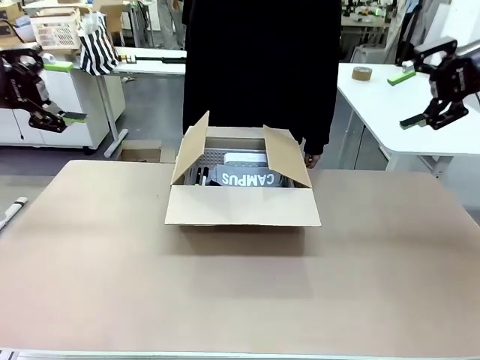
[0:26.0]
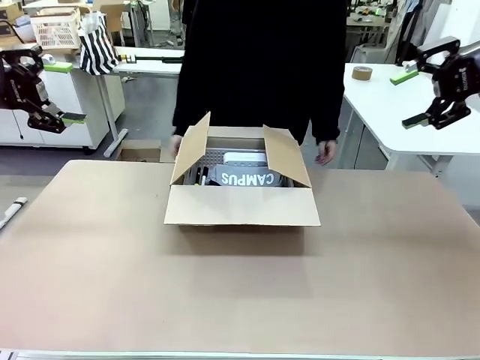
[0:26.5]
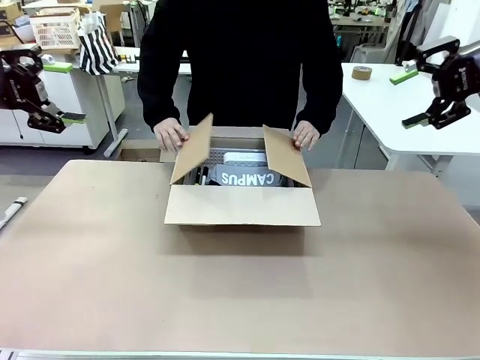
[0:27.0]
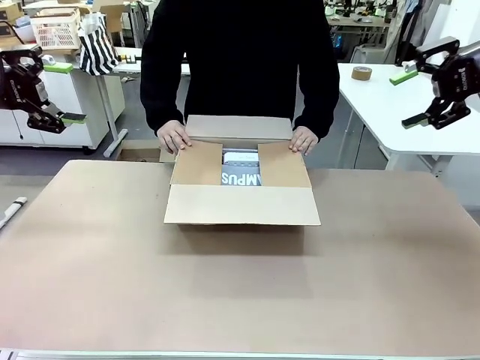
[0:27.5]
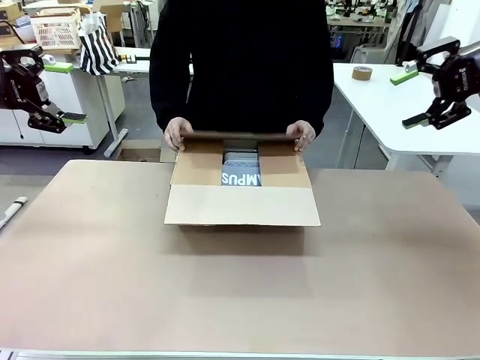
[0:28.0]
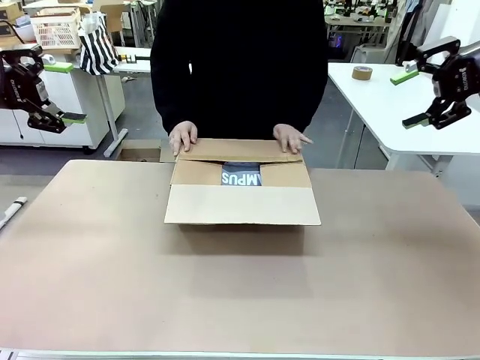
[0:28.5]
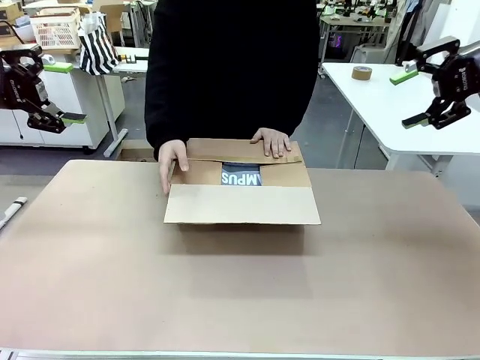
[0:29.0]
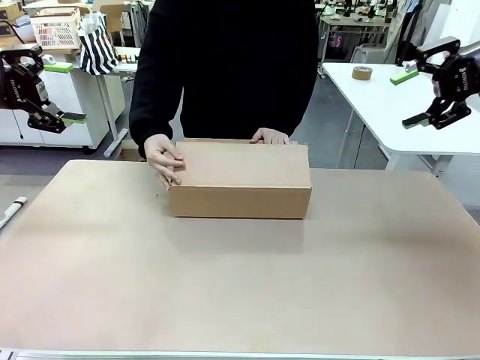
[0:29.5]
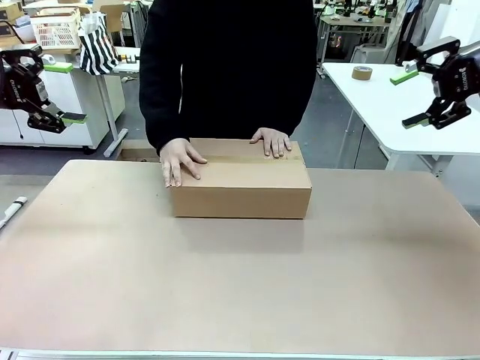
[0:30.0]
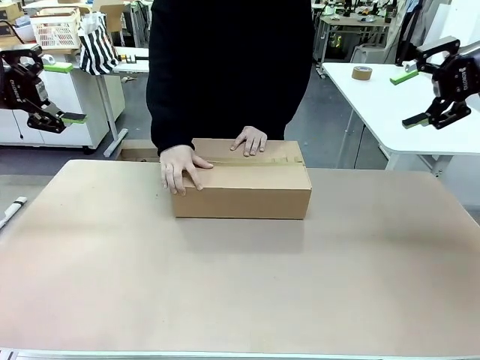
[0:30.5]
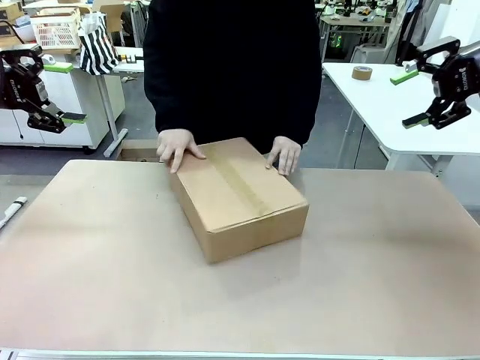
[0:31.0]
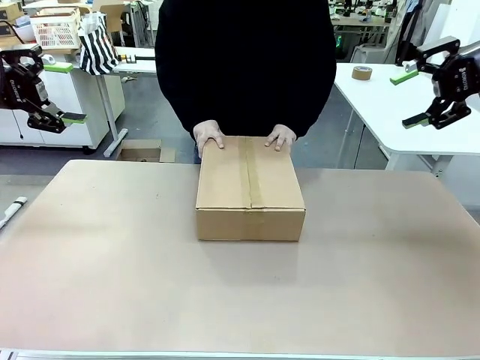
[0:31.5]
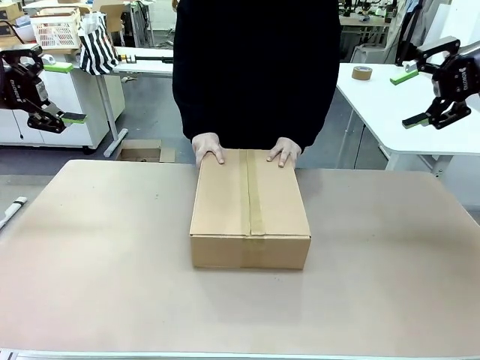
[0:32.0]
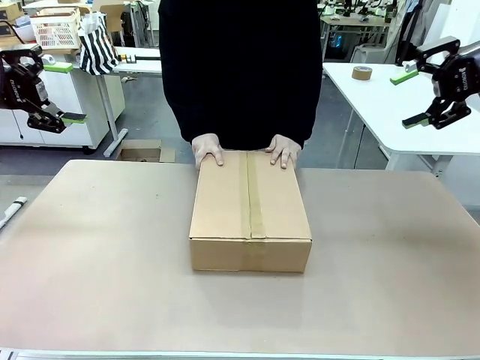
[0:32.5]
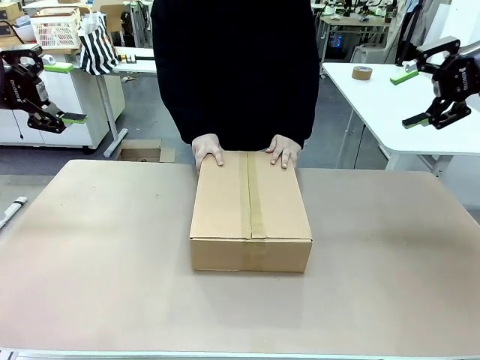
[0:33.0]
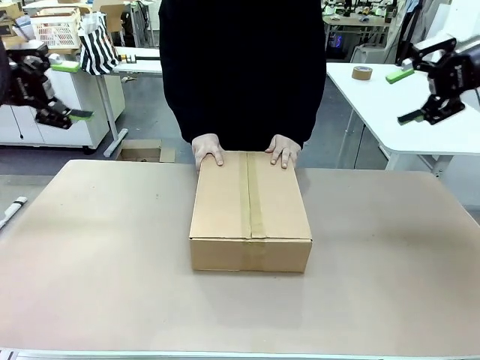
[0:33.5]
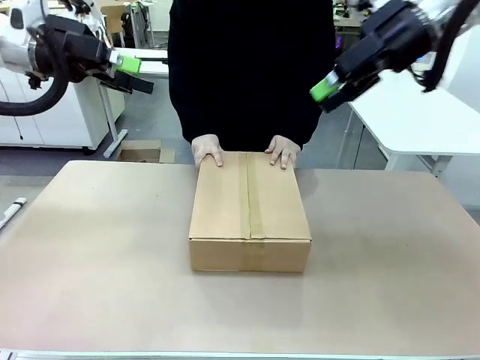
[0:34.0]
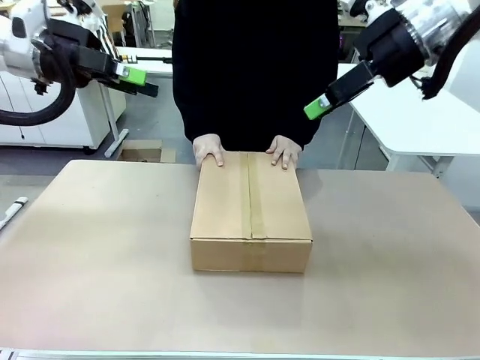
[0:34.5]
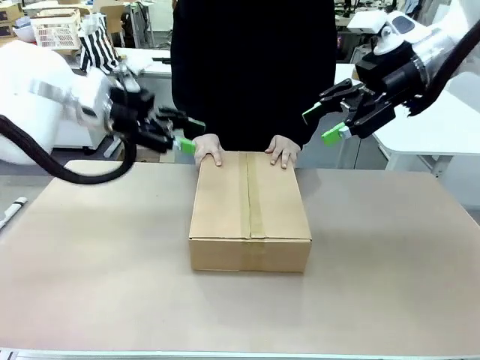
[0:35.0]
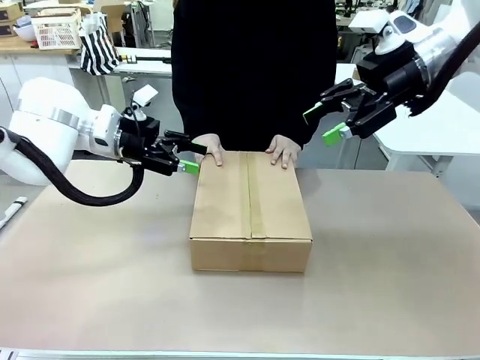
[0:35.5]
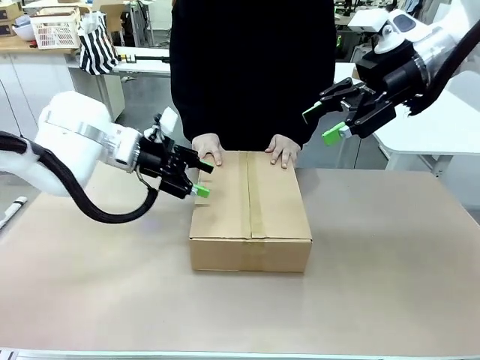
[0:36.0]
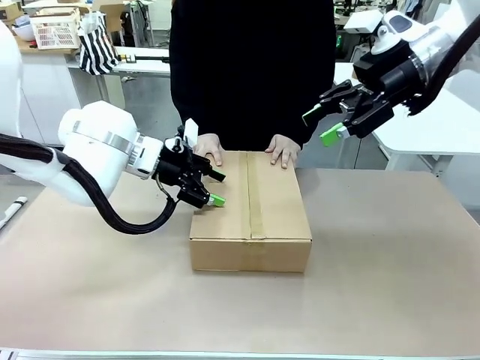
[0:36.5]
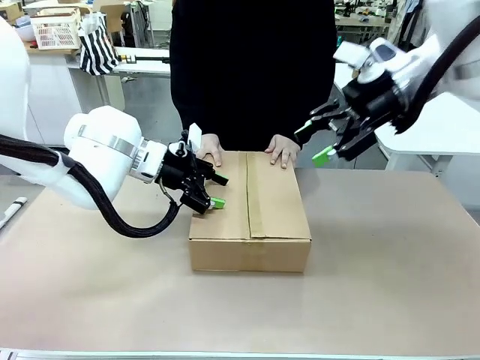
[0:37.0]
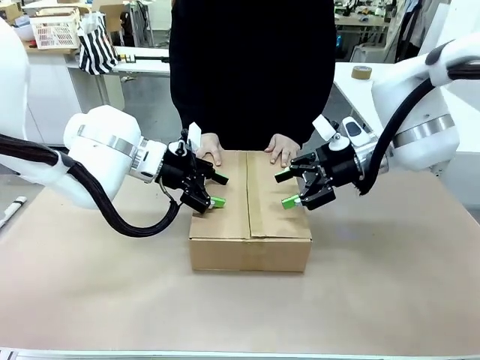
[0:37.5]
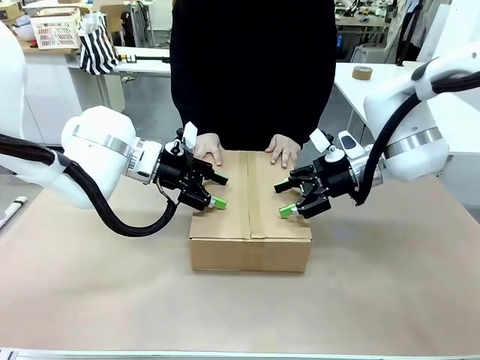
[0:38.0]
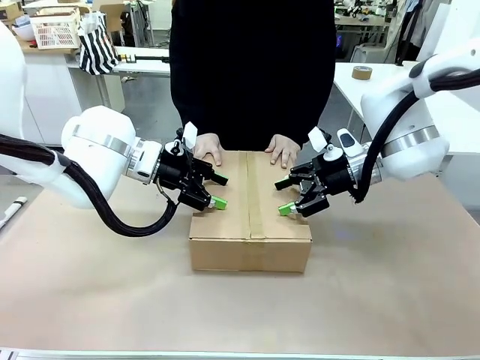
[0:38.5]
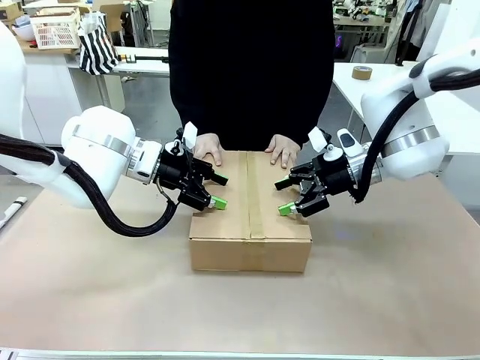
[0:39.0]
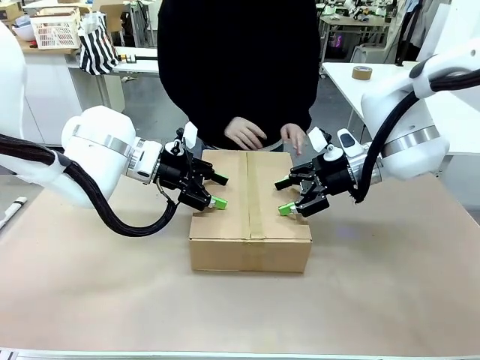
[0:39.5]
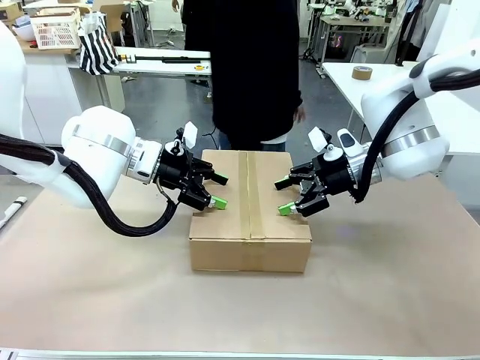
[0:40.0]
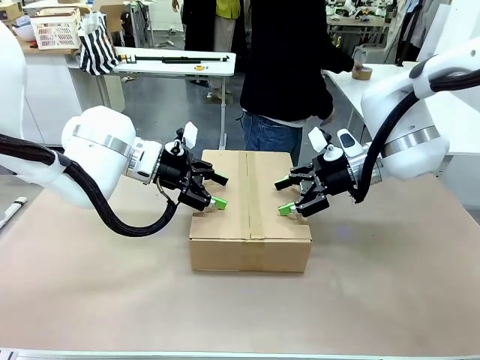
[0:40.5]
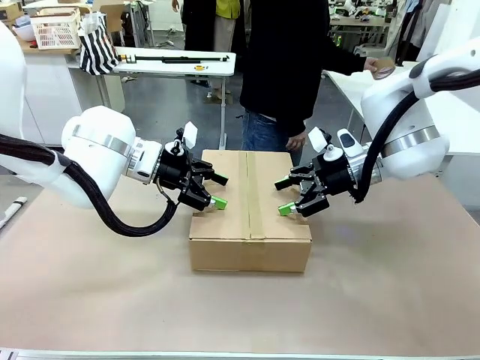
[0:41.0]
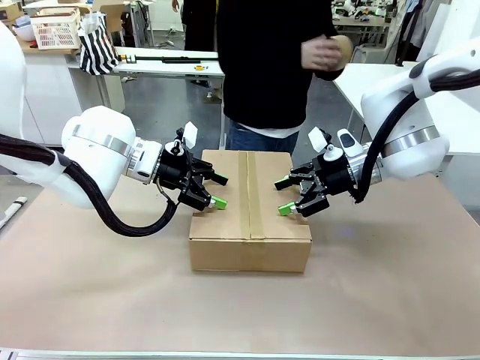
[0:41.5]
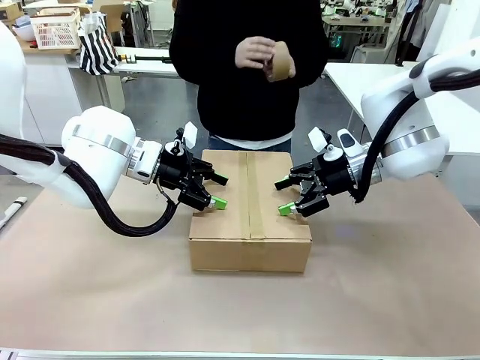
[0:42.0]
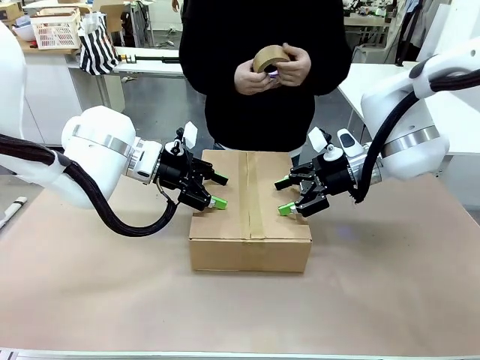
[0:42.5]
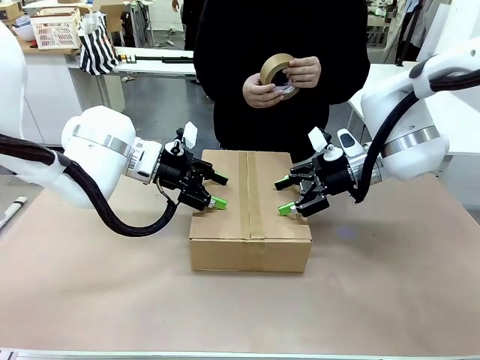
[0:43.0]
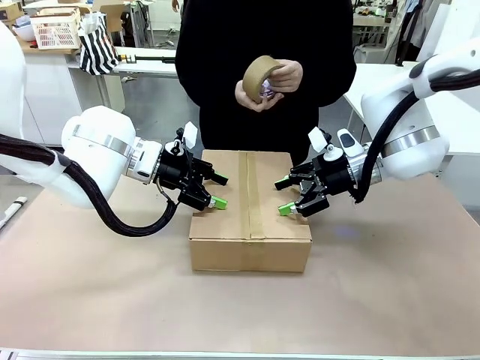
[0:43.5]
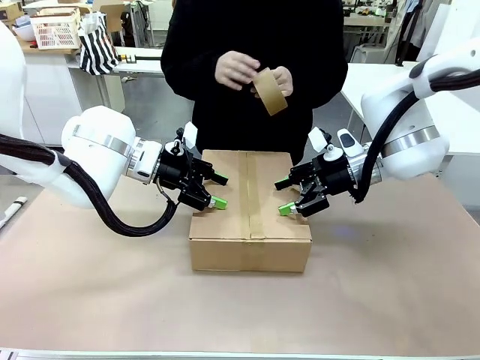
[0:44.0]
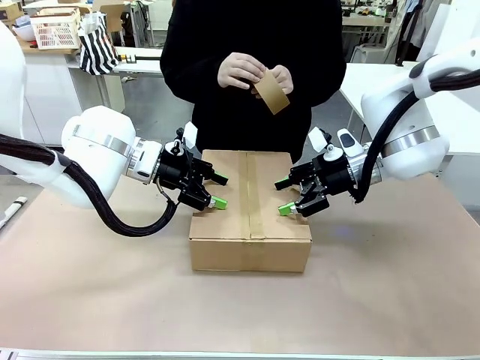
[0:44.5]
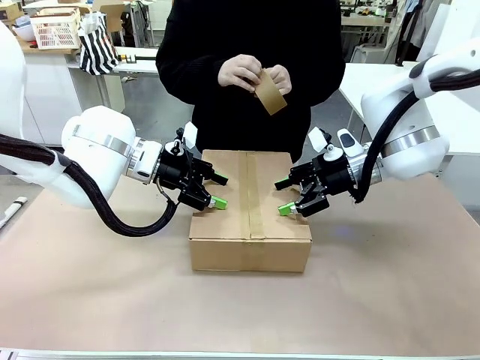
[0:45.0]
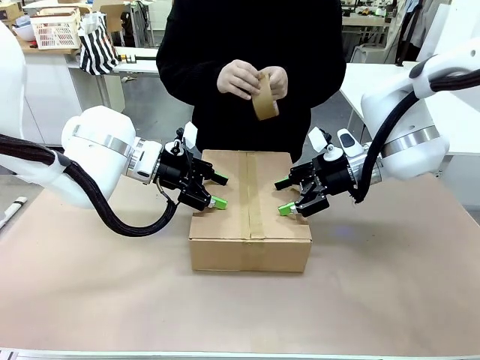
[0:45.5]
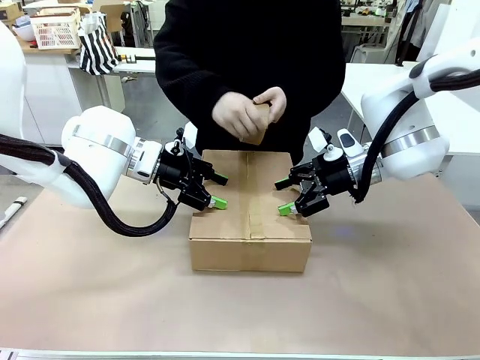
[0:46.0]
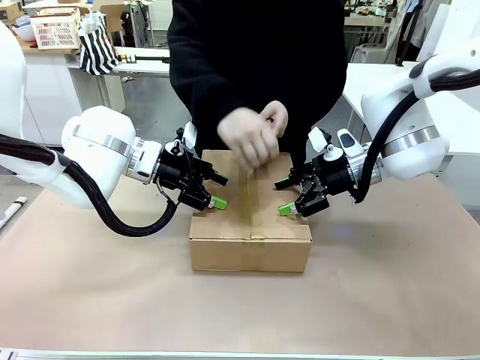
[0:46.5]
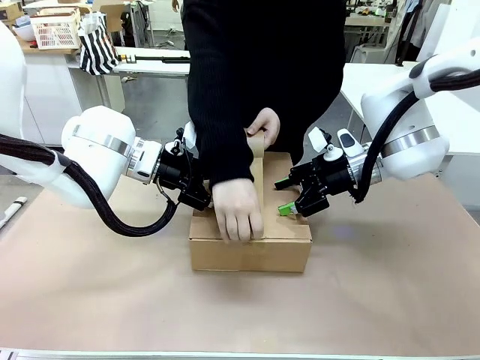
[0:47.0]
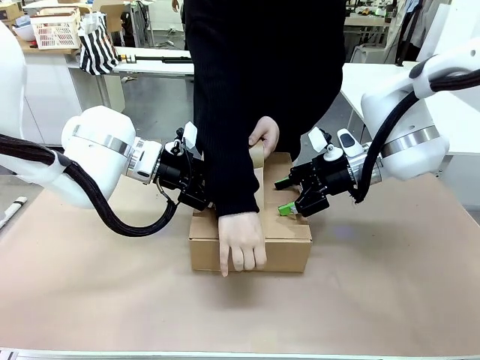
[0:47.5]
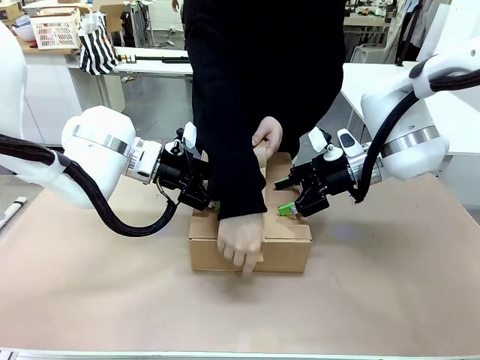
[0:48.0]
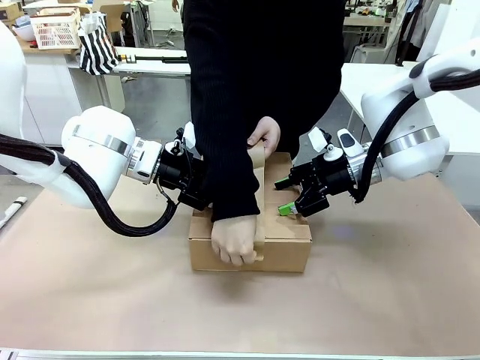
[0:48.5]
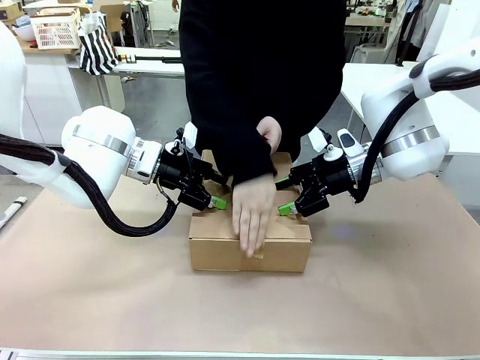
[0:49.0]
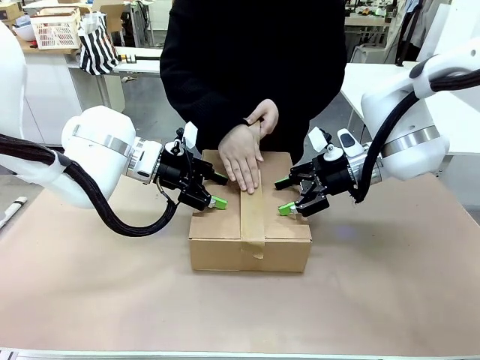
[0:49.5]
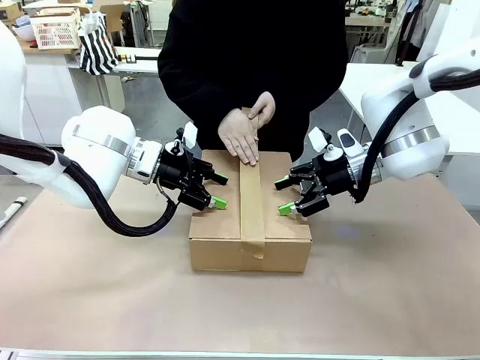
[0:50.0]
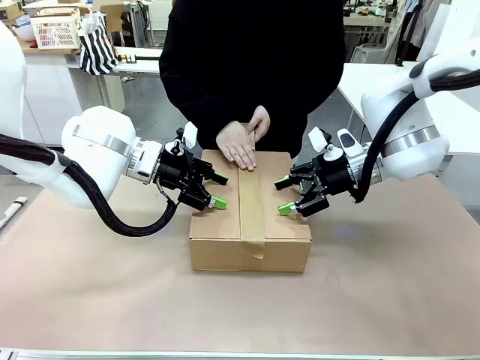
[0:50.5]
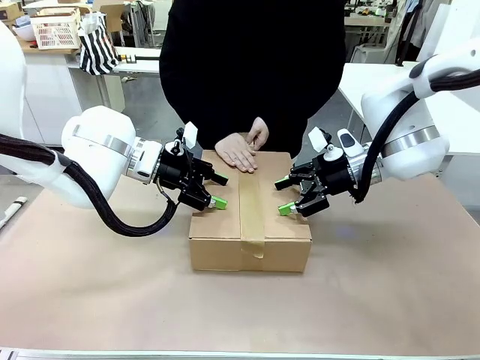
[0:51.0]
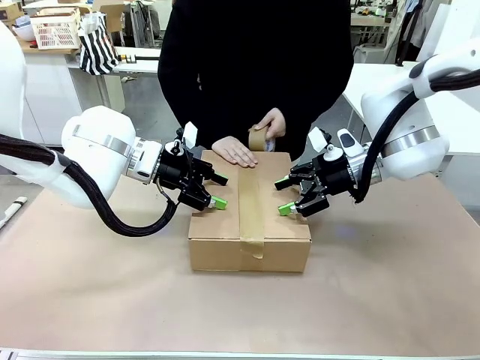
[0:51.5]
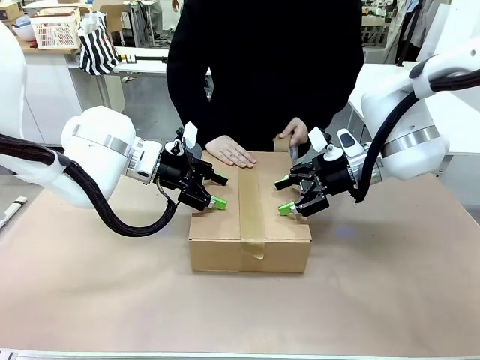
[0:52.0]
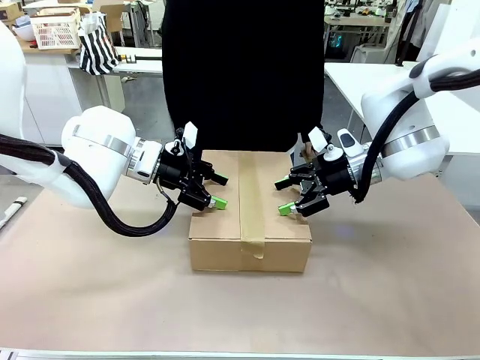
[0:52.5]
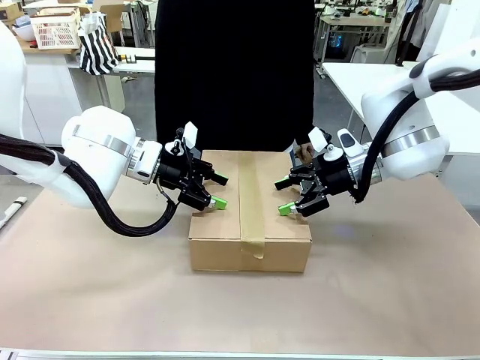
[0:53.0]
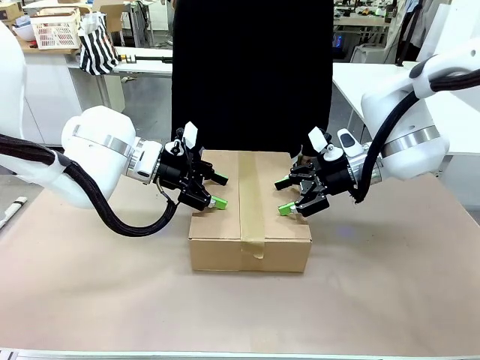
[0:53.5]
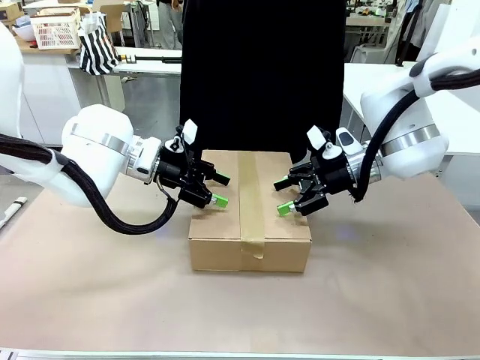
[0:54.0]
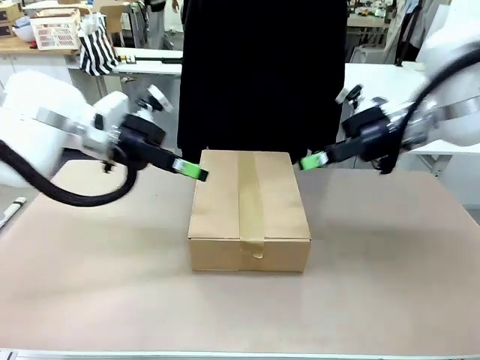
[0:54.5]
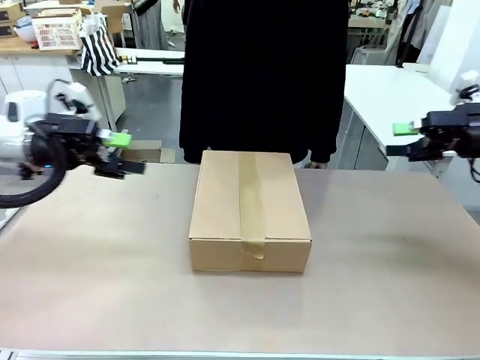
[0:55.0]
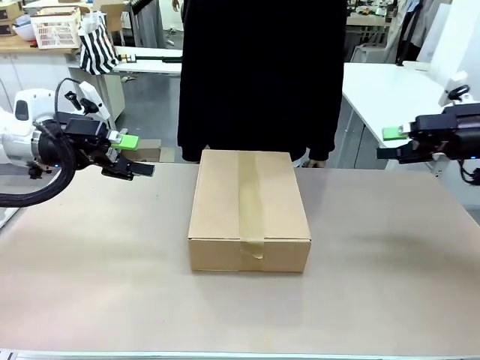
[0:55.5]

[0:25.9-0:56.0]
Task: Pack the gift set into the box.
Robot: Press and hold the closed box until the human finishes sealing it.
Person: The human closes the box and rotates the box by 90 degrees. The human picks up the paper tape from the human table and packs the box.
